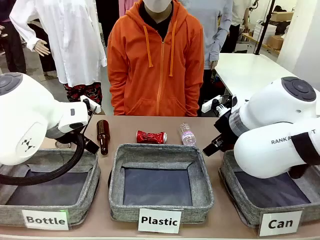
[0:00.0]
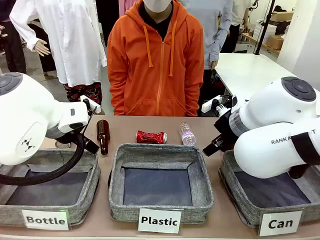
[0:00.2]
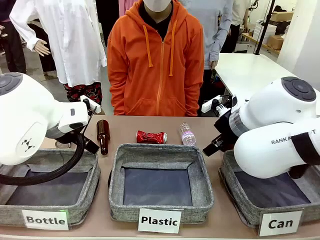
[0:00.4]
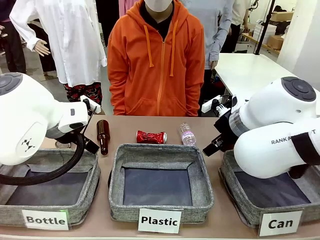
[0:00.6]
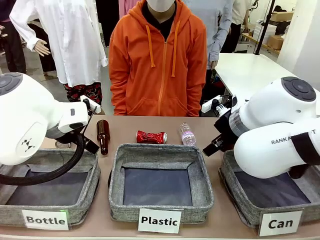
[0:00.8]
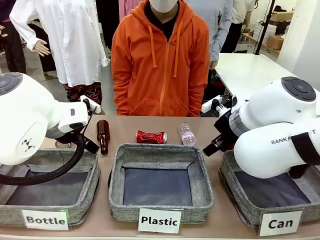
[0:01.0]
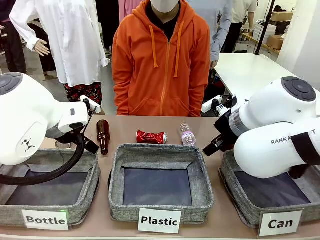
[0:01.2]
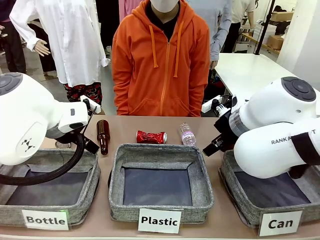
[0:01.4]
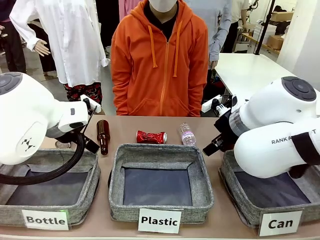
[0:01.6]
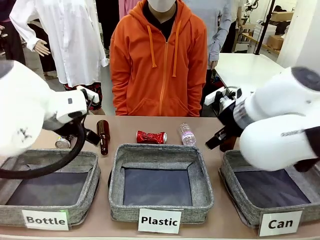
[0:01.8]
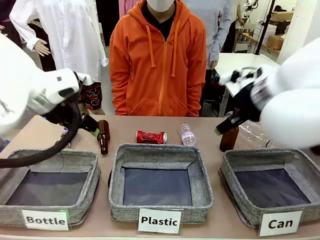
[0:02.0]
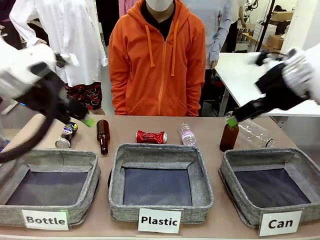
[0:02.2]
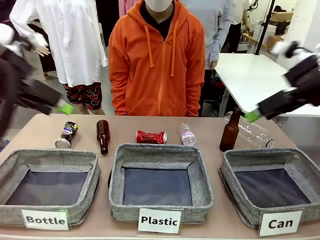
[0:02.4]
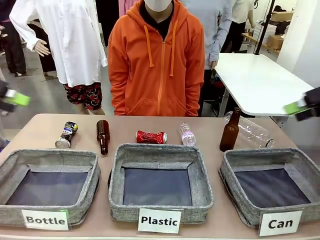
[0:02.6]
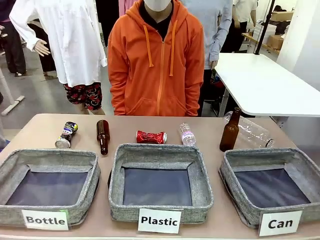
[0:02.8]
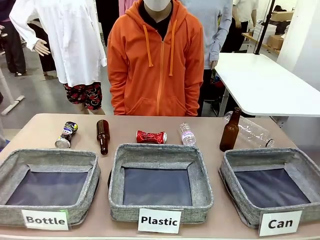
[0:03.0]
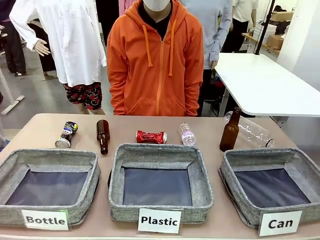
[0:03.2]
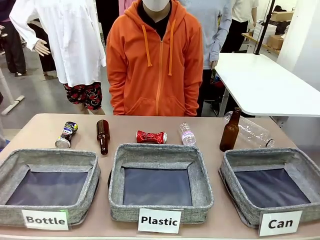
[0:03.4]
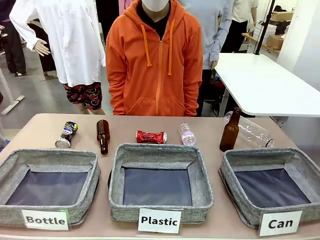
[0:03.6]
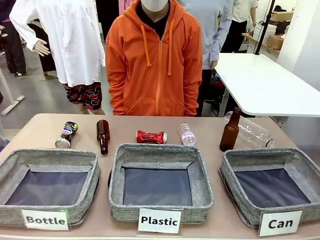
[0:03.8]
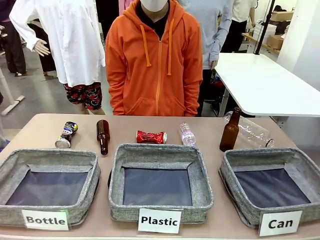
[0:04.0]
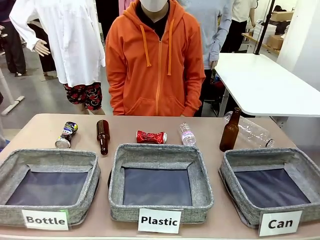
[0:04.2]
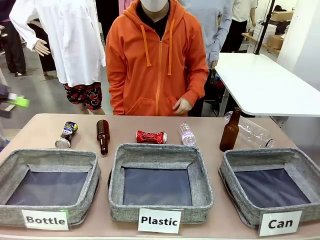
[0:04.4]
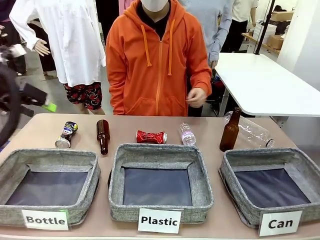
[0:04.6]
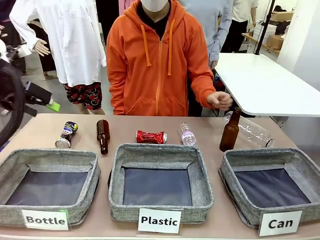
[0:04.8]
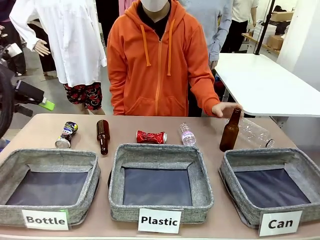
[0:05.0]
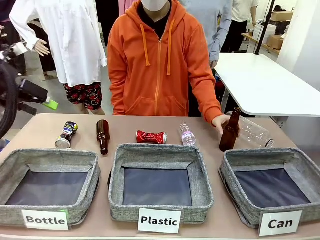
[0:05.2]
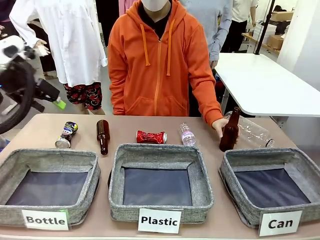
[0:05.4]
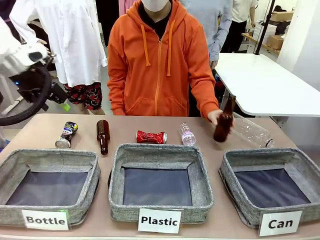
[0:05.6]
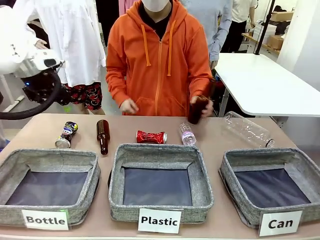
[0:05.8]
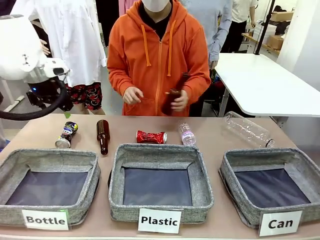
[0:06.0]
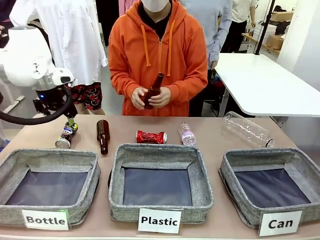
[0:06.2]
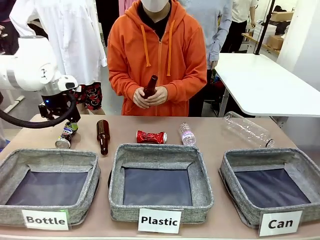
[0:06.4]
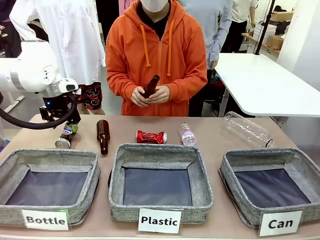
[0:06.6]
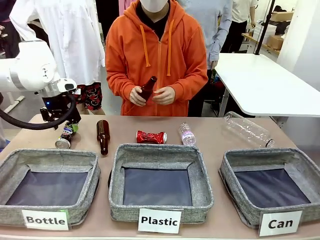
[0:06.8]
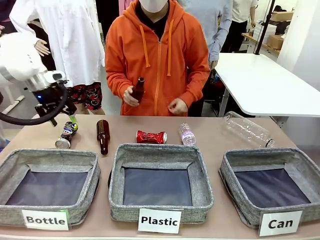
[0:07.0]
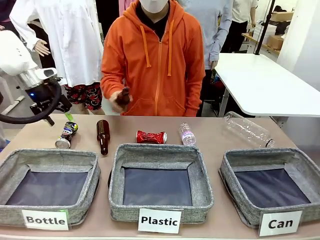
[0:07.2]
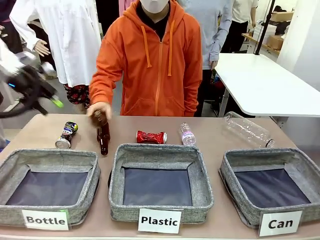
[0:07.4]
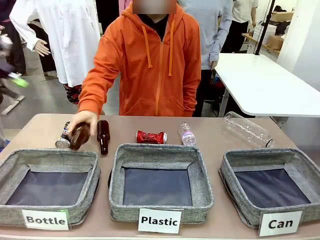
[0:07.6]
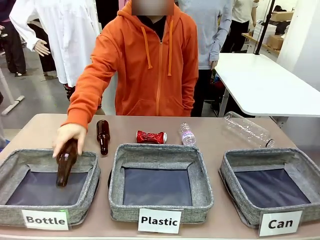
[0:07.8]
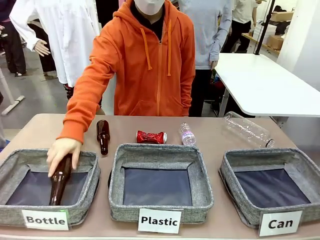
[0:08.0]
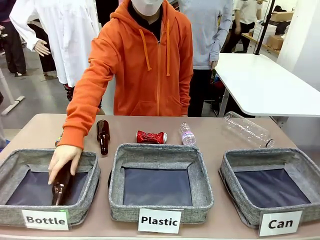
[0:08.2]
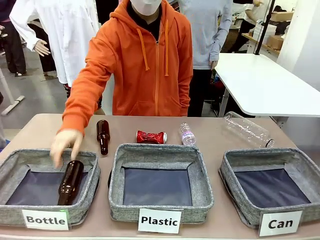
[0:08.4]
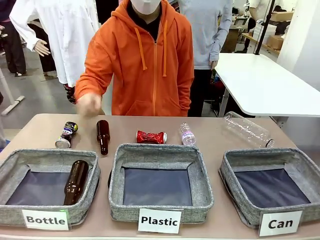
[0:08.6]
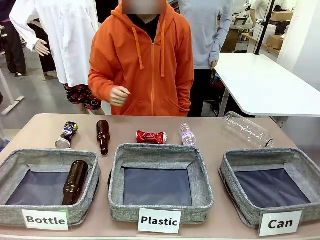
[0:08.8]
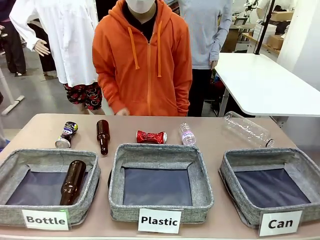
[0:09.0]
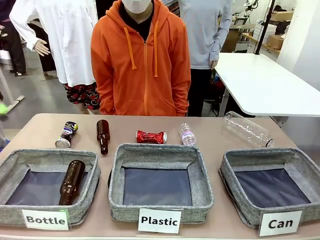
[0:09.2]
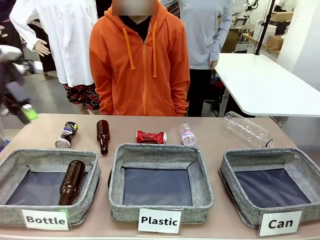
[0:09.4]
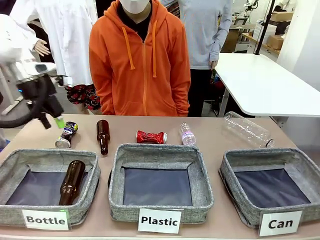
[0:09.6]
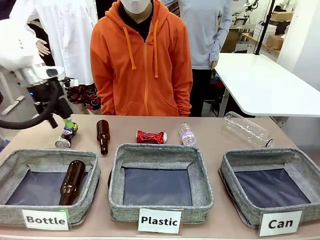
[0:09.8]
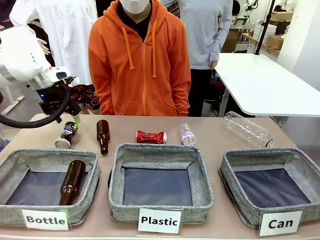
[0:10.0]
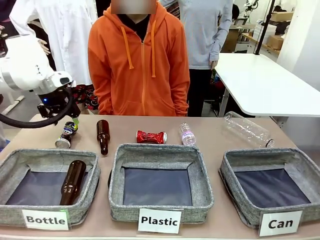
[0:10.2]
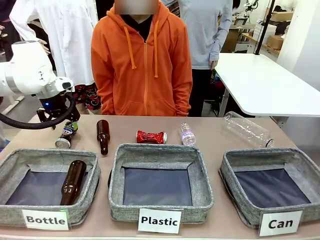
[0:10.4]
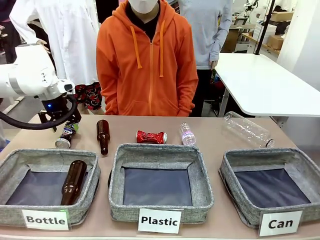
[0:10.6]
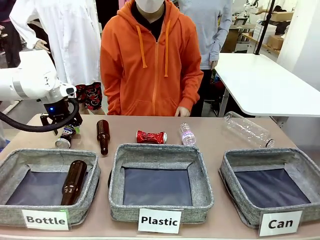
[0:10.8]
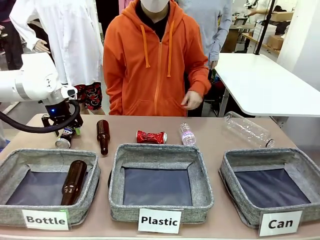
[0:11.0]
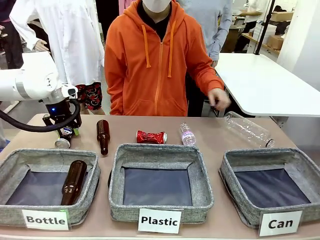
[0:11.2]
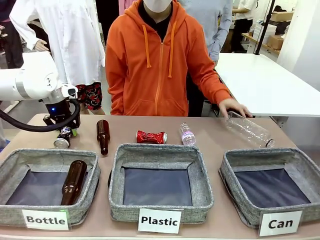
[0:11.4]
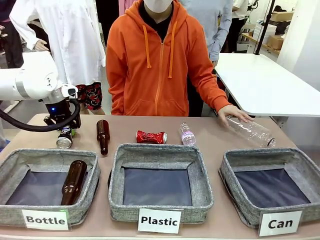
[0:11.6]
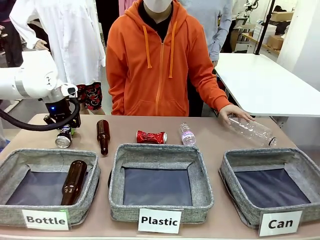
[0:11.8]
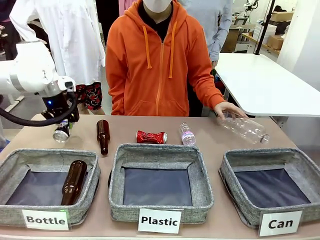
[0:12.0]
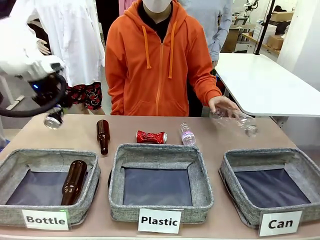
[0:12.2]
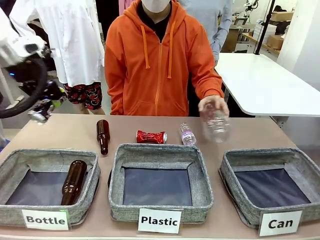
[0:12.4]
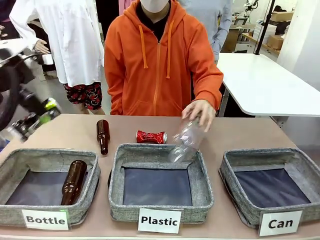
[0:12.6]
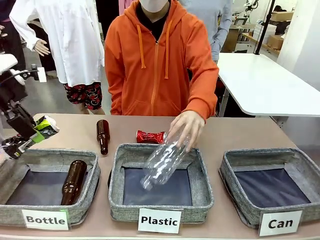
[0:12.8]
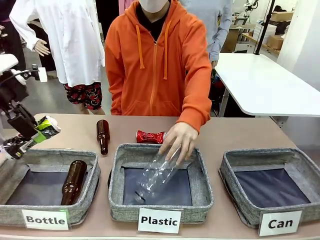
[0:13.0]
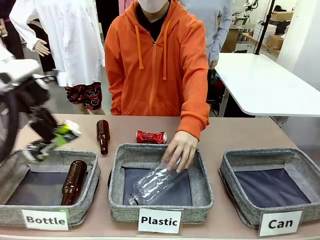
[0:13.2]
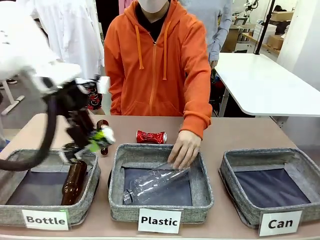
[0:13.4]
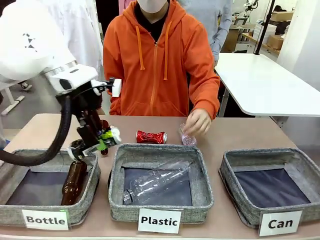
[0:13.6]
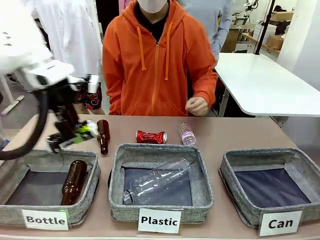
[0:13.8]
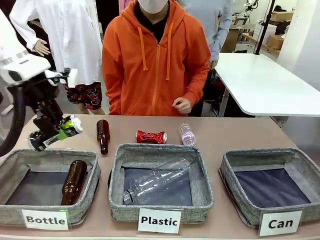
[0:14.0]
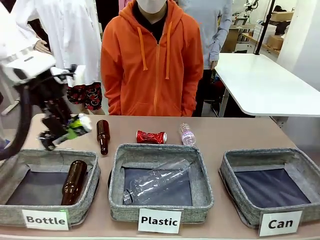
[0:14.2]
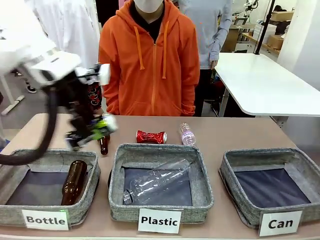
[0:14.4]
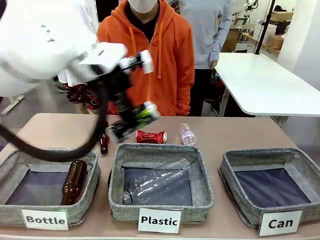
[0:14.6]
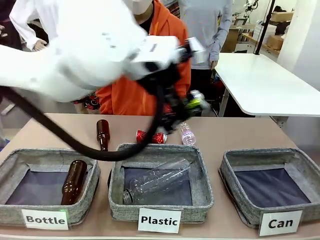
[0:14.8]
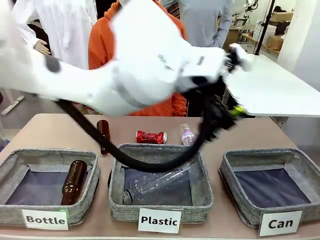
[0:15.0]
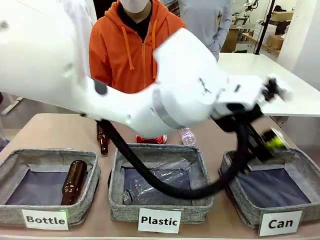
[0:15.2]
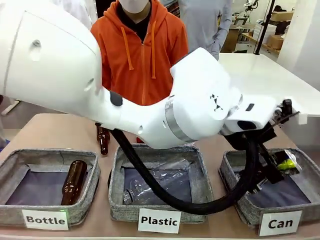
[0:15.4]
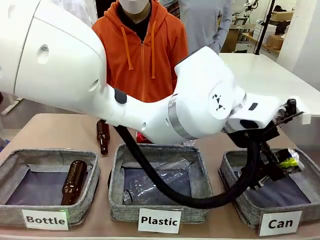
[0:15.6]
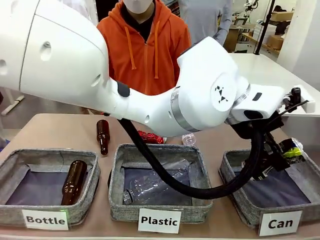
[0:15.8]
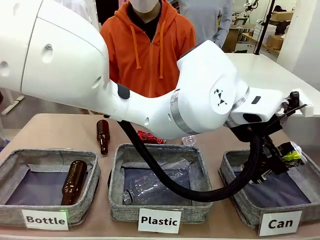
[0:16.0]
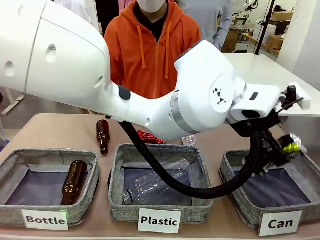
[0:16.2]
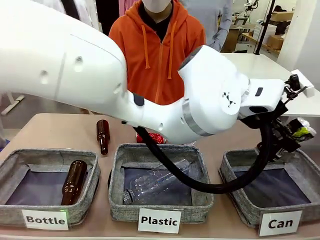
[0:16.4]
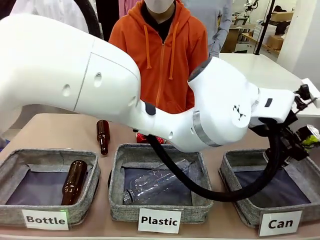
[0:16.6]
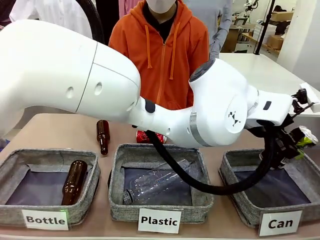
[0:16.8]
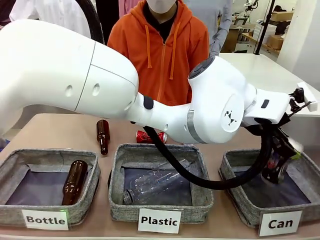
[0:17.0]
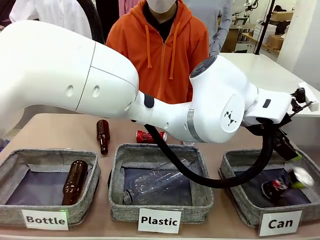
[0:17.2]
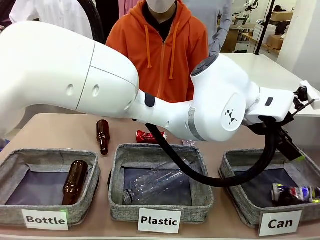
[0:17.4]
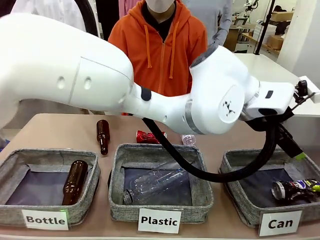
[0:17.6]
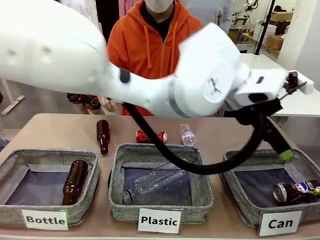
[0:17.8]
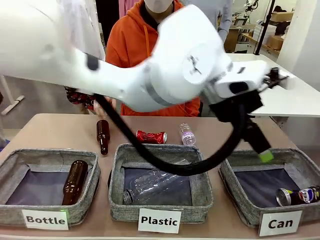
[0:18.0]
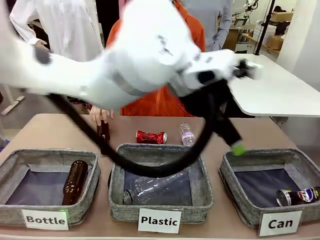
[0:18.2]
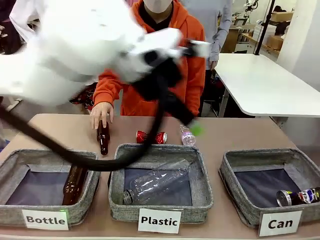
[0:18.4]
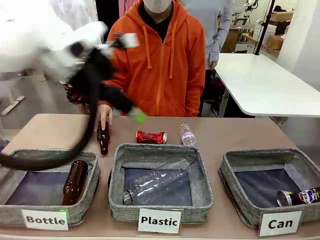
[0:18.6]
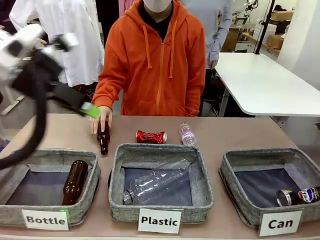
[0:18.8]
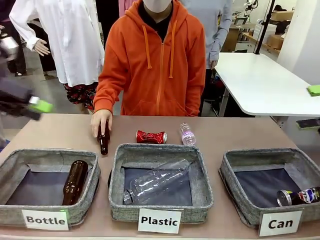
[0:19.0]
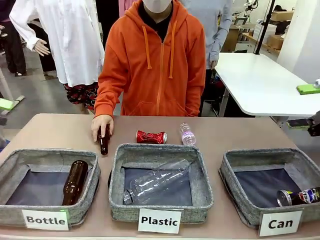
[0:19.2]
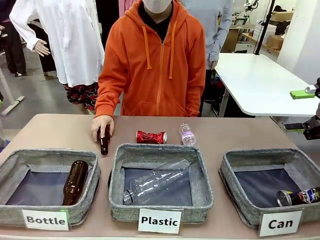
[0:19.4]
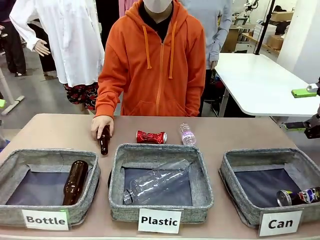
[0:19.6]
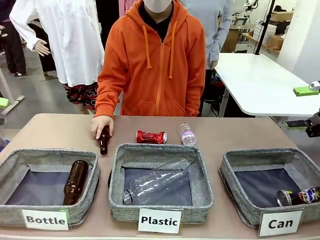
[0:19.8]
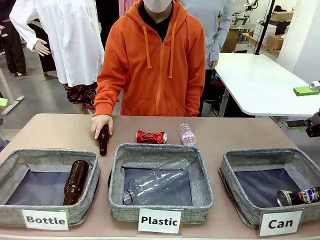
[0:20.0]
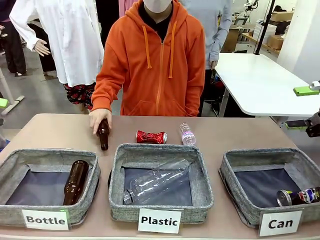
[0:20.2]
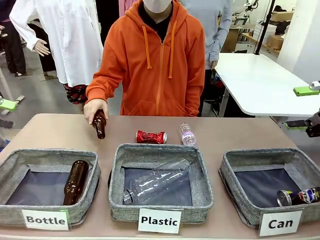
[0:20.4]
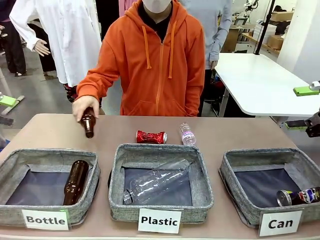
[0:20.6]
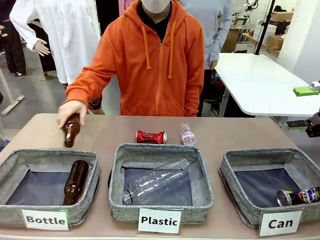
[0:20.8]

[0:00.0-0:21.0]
Task: Sort the can waste into the basket.
Robot: Pick up the can waste from the table and place it in the right Fabric basket.
